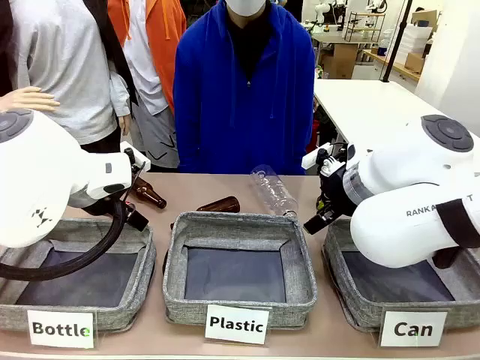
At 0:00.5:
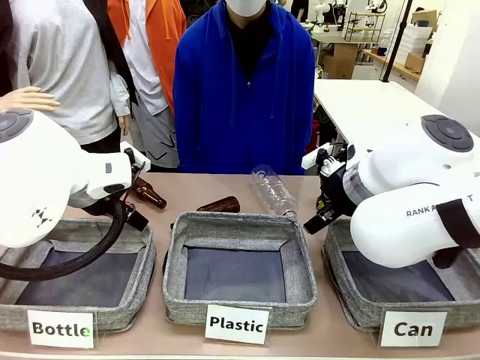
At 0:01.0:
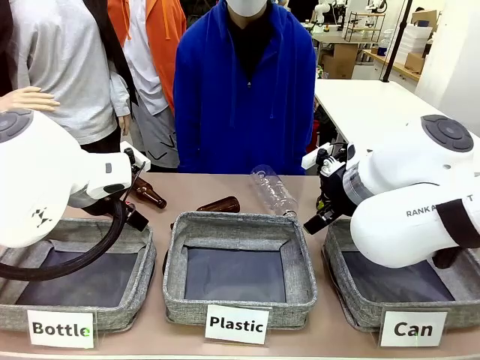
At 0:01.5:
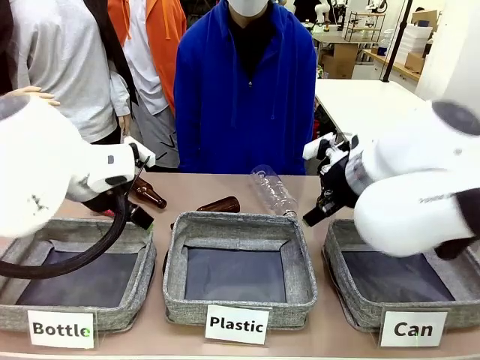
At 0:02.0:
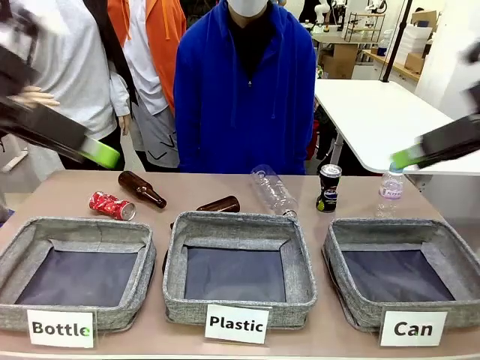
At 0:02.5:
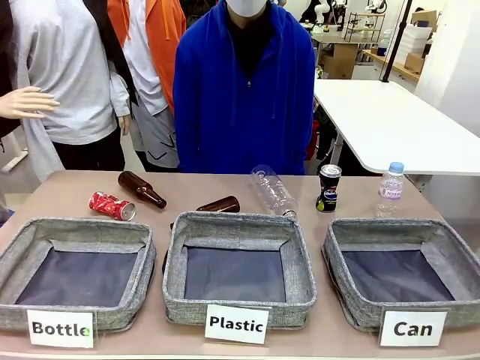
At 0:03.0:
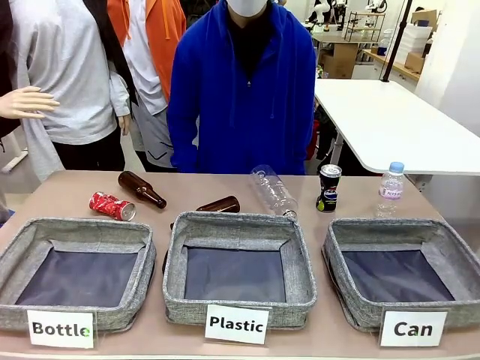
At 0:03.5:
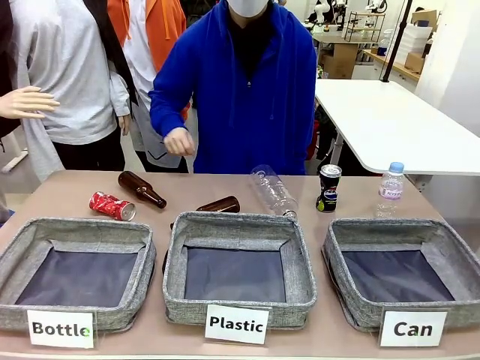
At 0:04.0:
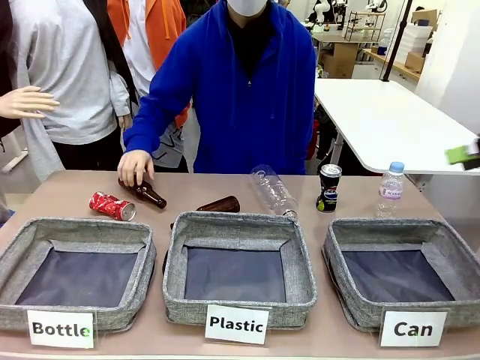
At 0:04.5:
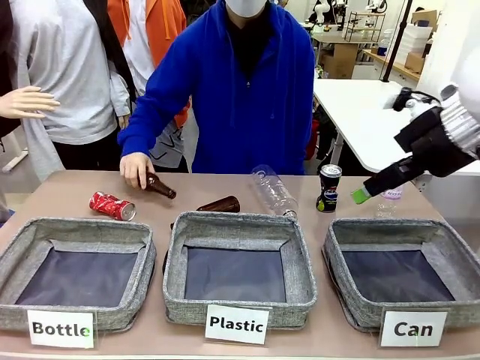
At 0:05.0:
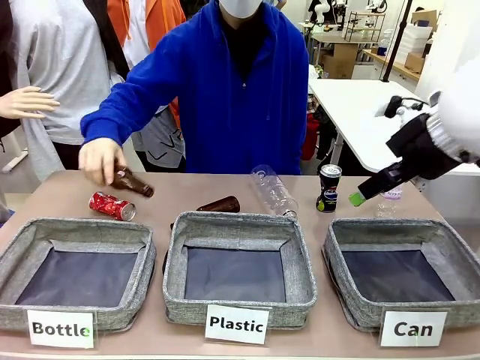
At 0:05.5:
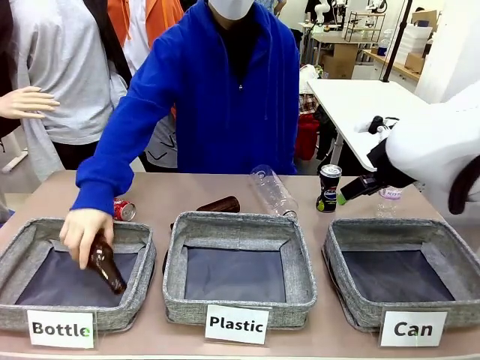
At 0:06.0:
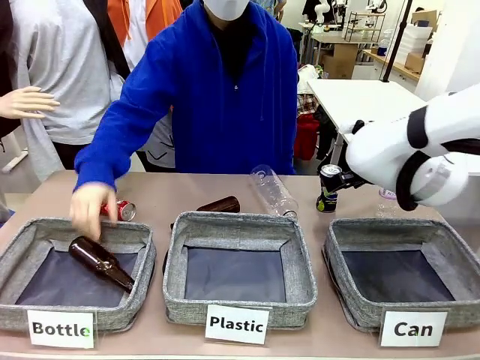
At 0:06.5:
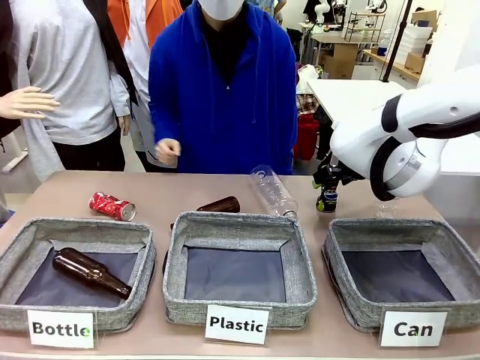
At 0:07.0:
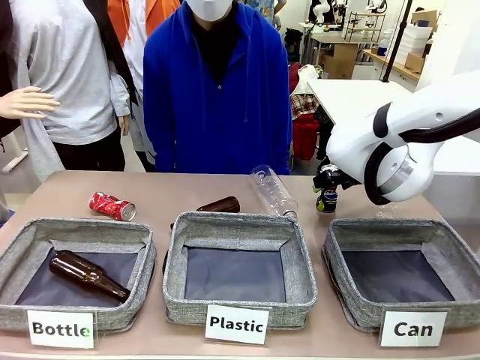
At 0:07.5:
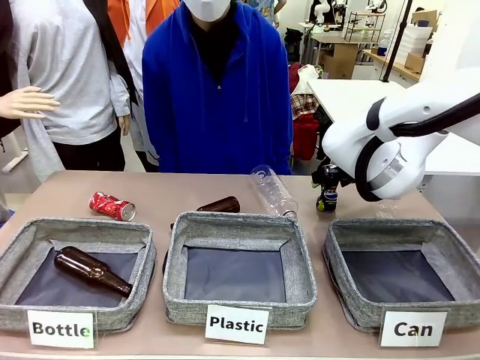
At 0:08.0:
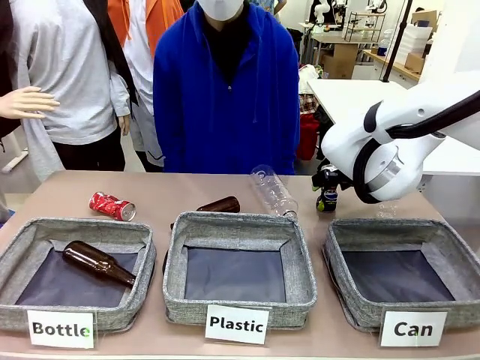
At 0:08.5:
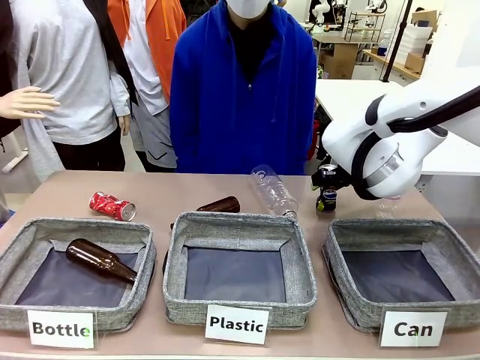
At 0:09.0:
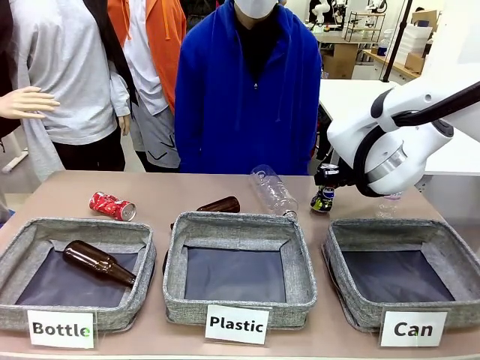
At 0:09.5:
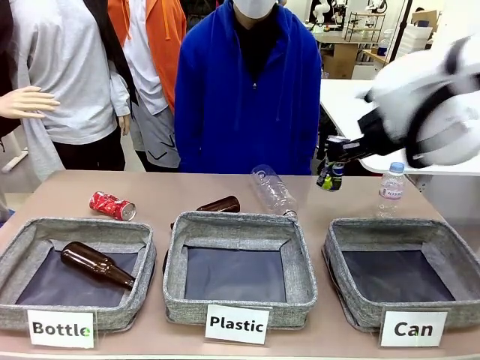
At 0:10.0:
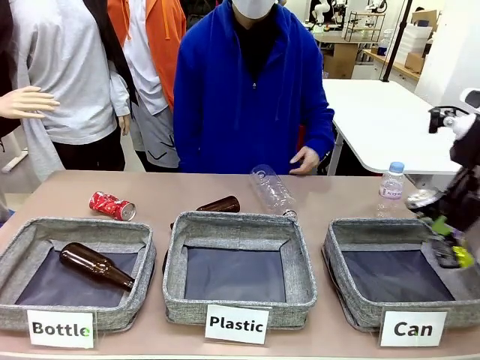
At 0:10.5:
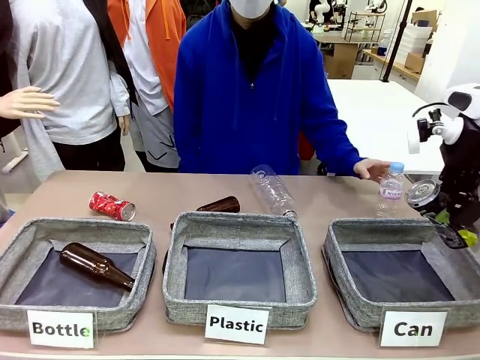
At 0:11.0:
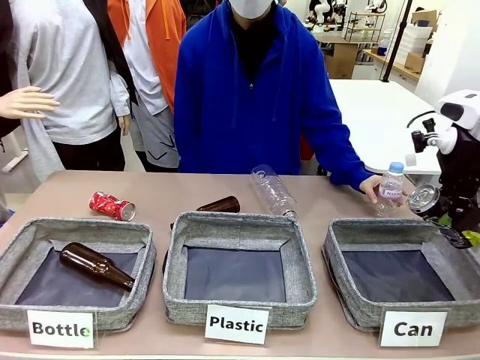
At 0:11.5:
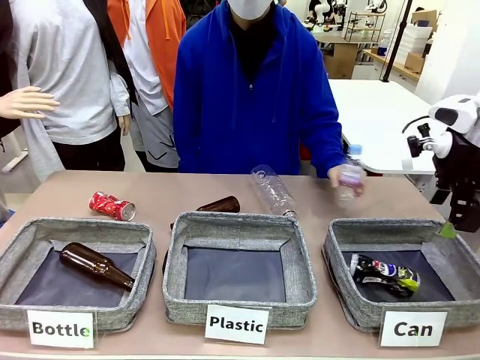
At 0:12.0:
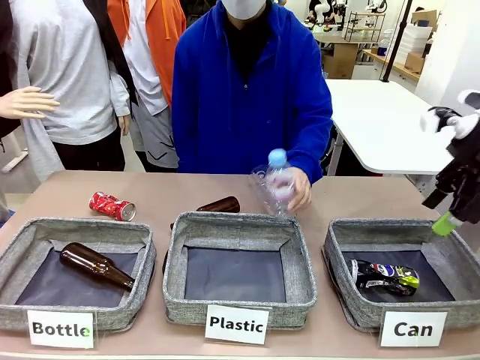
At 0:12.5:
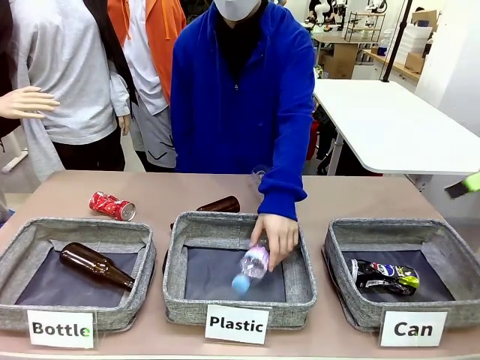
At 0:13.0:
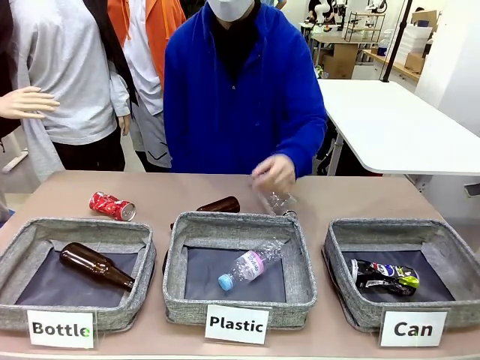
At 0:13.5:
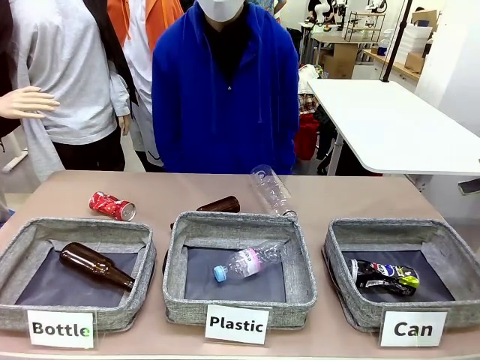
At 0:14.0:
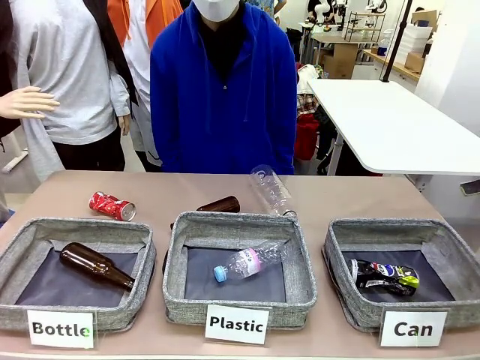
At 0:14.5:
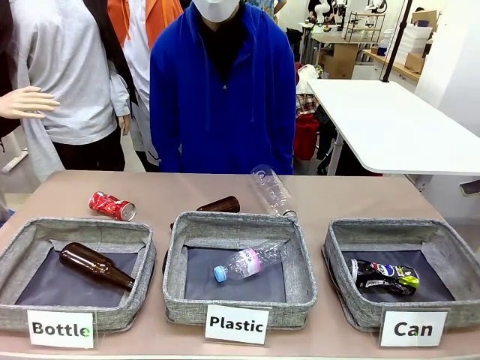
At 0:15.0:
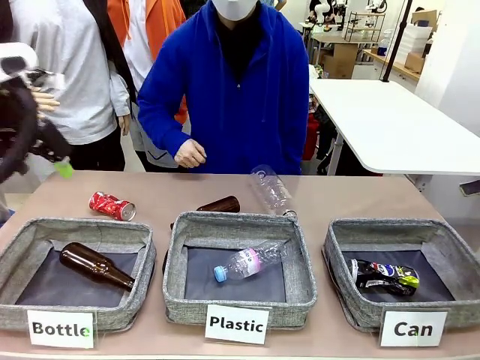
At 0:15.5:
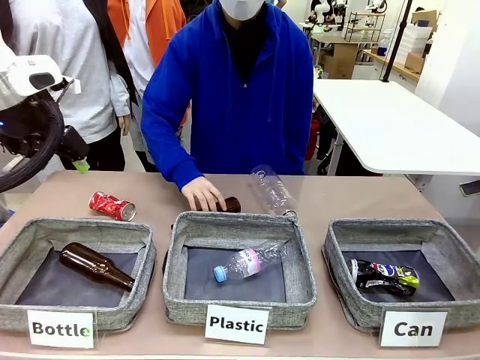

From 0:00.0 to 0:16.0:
Task: Sort the can waste into the basket.
Robot: Pick up the can waste from the table and place it in the right Fabric basket.
